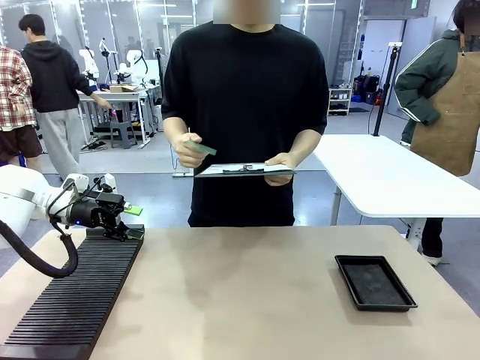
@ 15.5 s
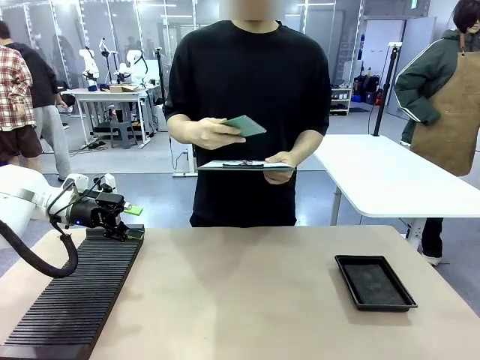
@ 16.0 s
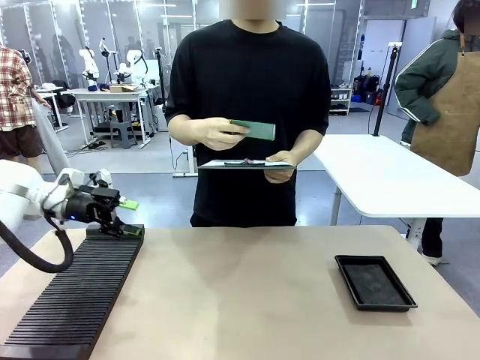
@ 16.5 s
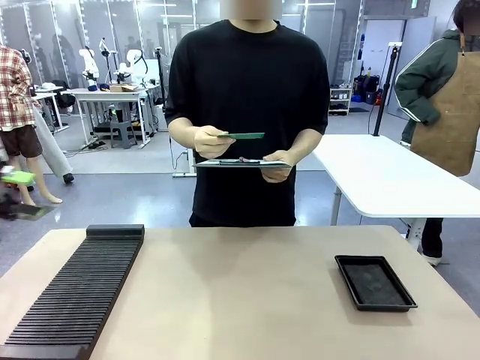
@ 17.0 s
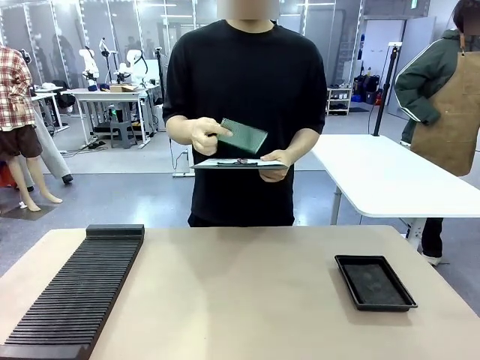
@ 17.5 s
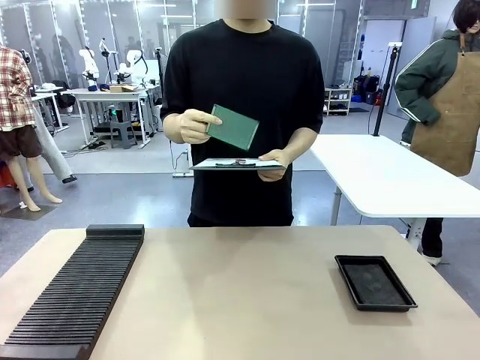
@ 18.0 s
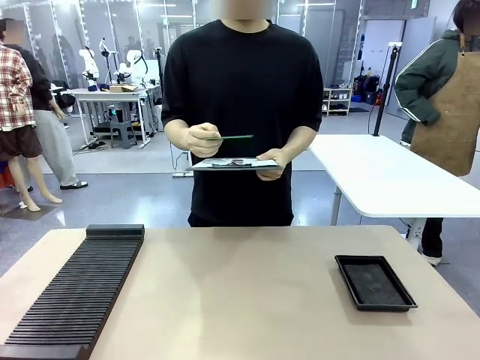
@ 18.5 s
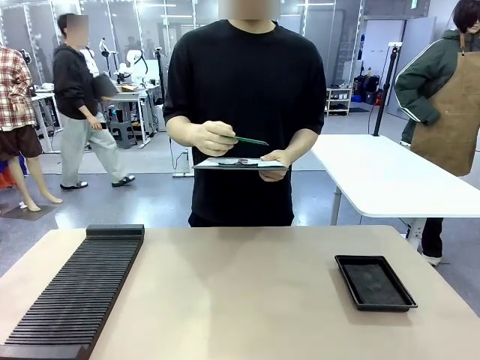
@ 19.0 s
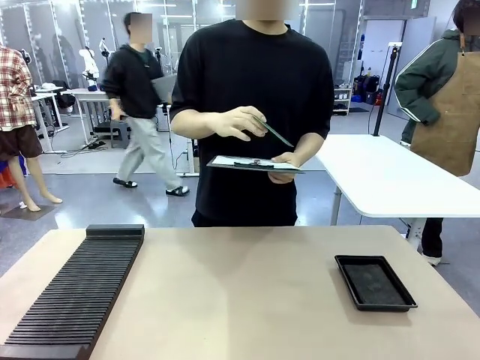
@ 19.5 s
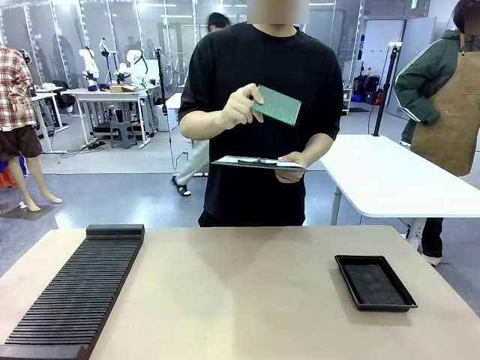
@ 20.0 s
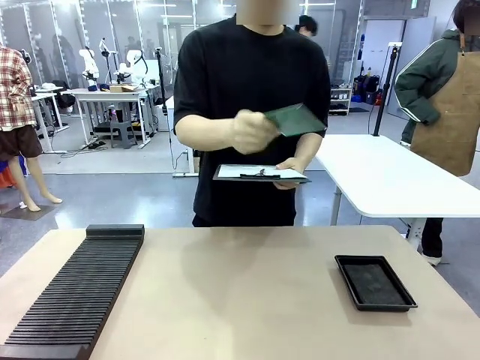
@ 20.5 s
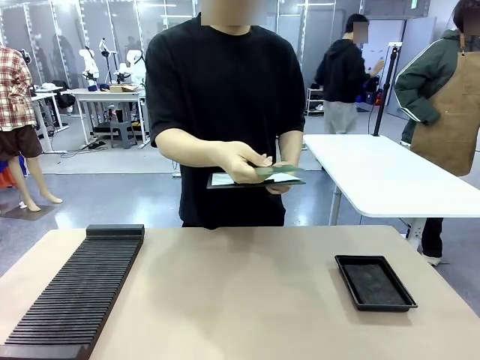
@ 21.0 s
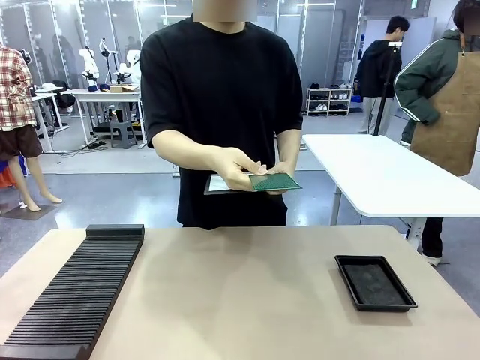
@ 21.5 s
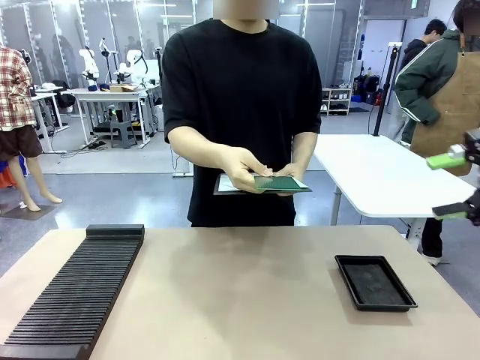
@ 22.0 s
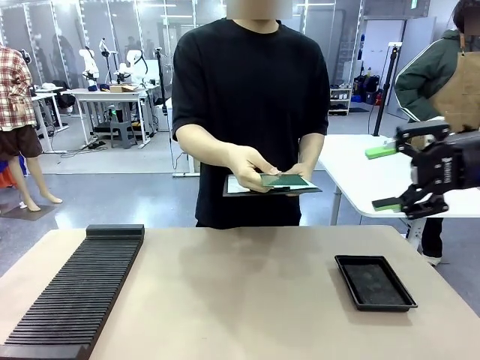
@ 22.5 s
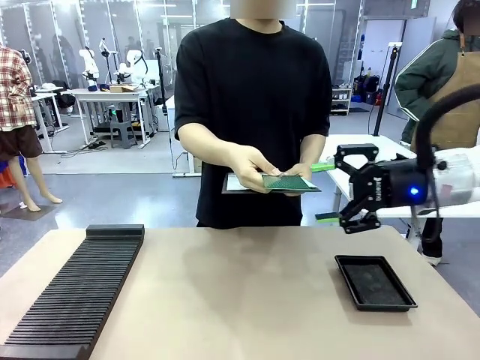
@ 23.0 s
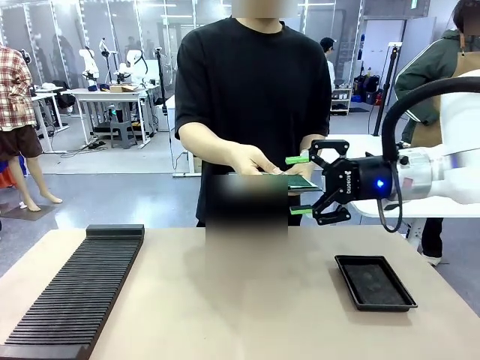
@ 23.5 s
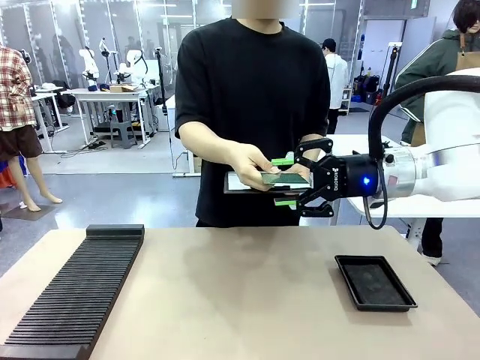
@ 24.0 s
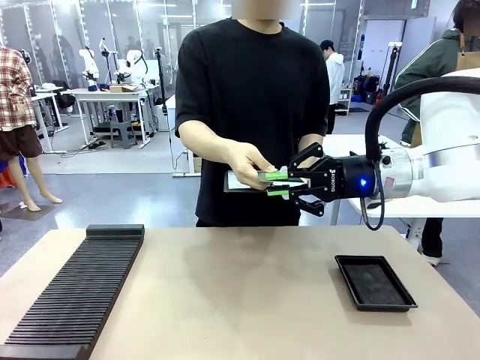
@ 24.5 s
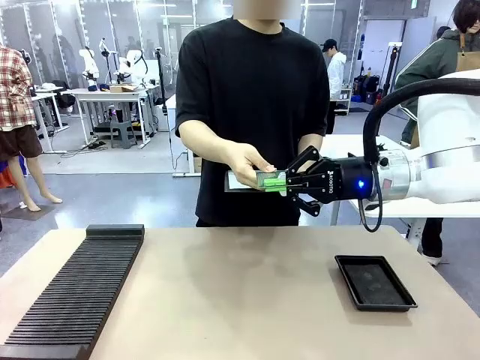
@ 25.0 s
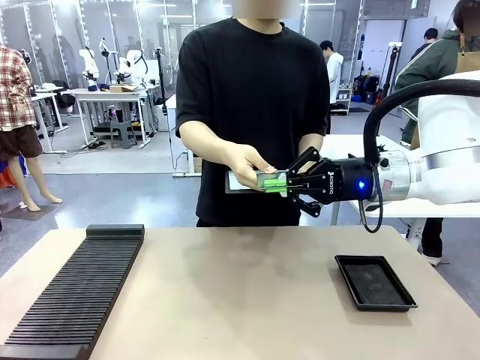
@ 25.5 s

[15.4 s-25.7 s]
Task: Inspect the PCB.
Robot: Pick up the Blank PCB that the human is holding.
Person: Inspect the PCB placed by the robot, then hold it out in front of the robot. Release the PCB you were holding.

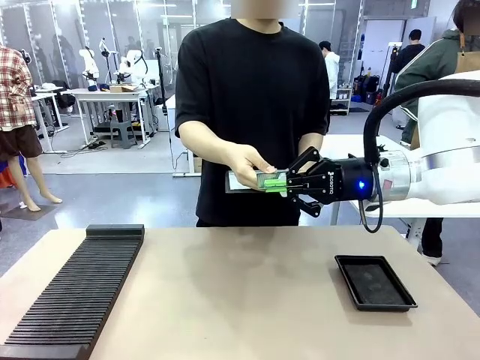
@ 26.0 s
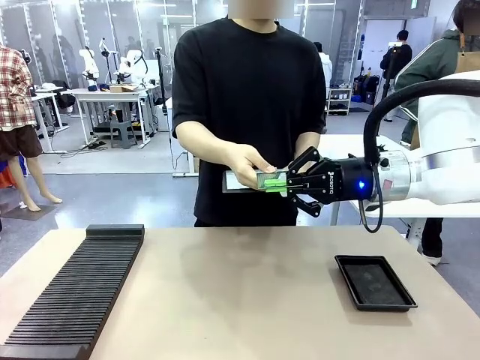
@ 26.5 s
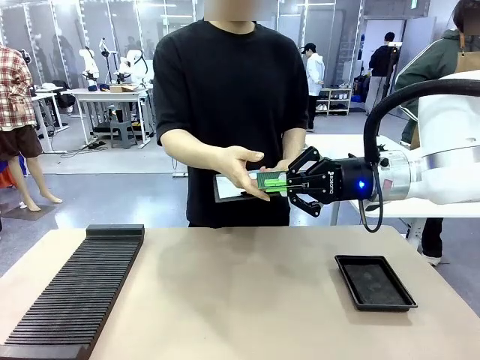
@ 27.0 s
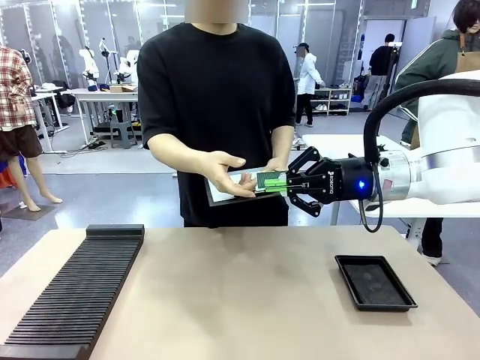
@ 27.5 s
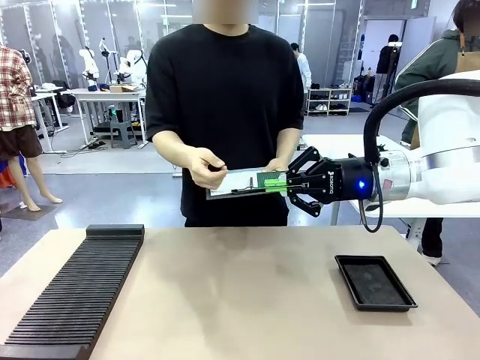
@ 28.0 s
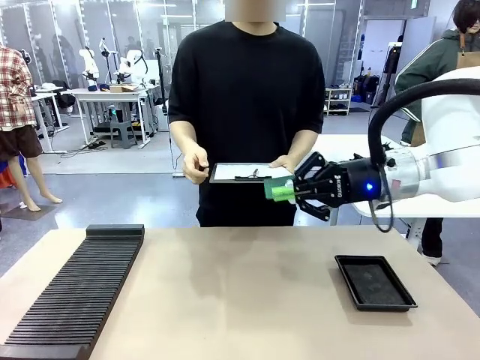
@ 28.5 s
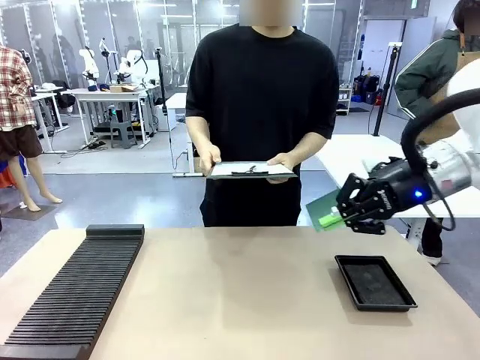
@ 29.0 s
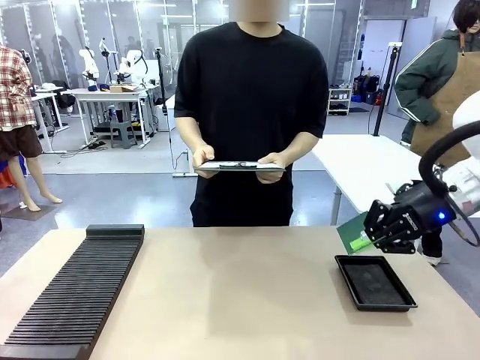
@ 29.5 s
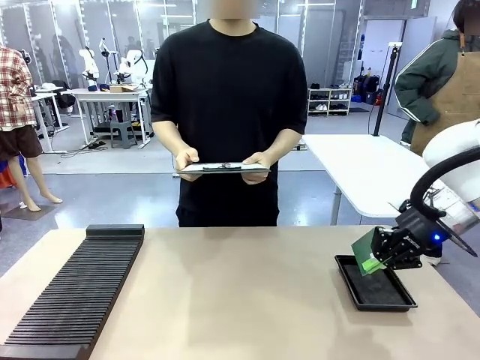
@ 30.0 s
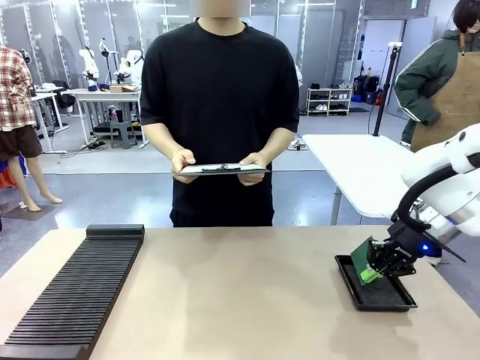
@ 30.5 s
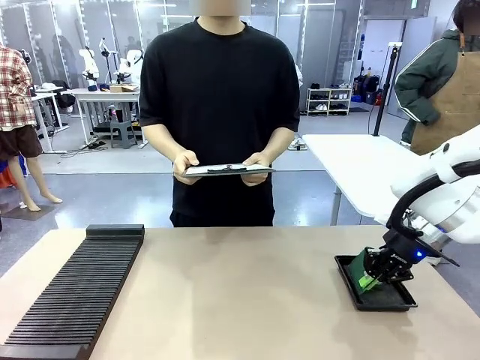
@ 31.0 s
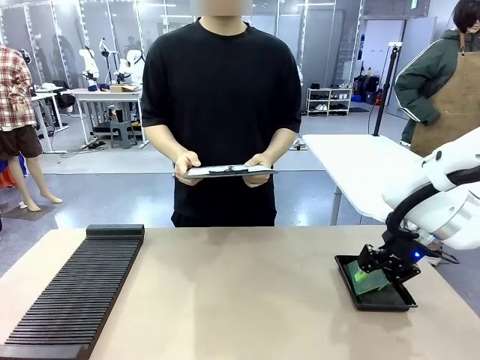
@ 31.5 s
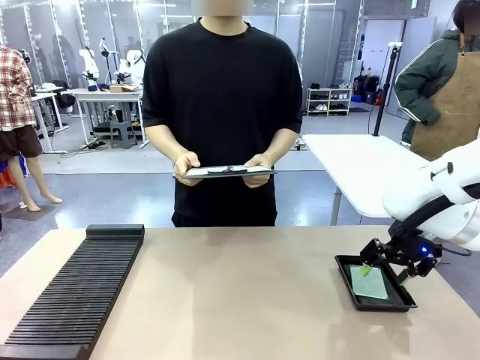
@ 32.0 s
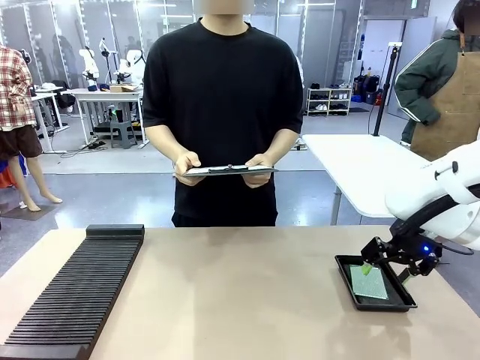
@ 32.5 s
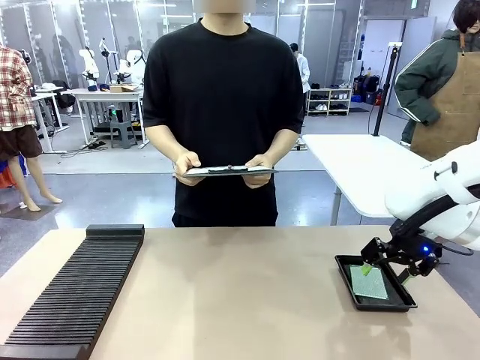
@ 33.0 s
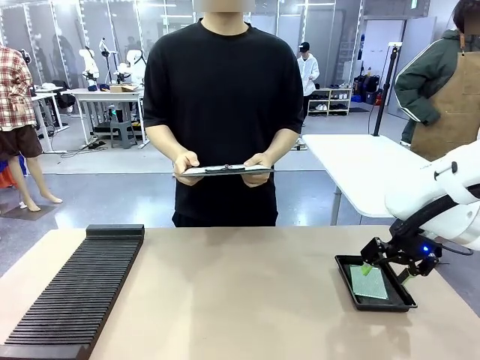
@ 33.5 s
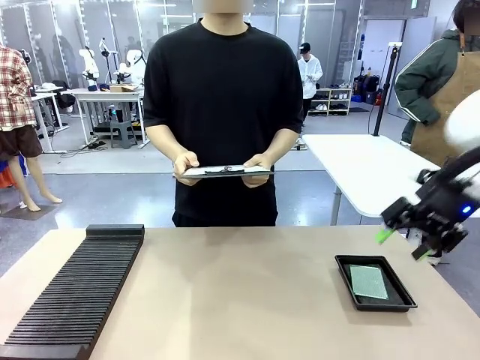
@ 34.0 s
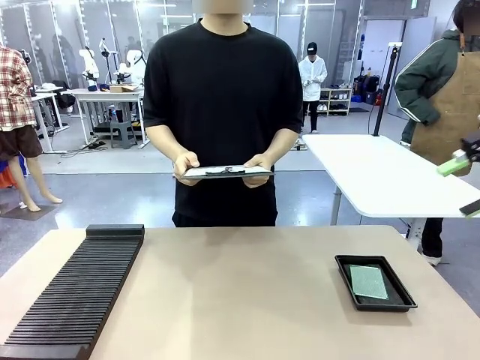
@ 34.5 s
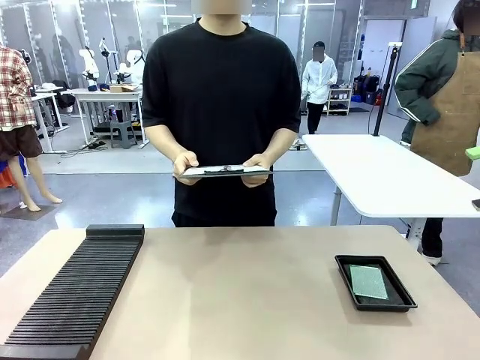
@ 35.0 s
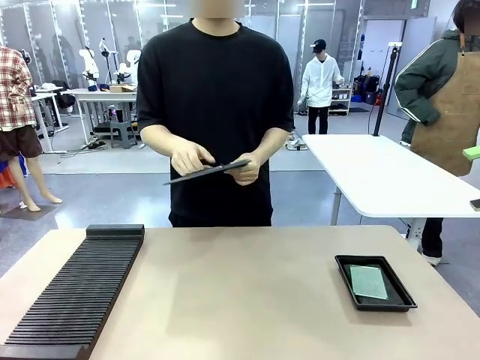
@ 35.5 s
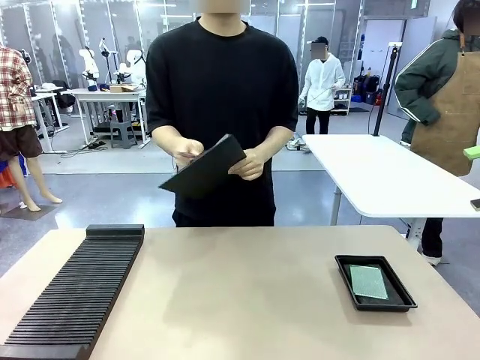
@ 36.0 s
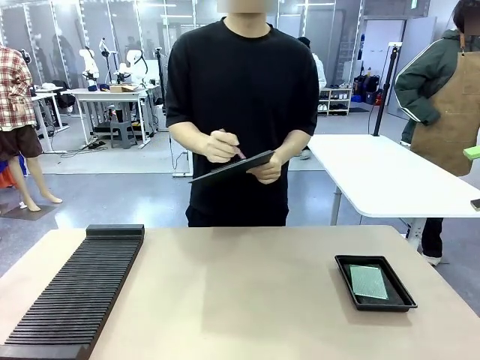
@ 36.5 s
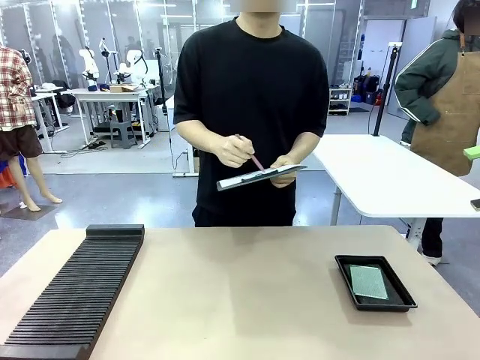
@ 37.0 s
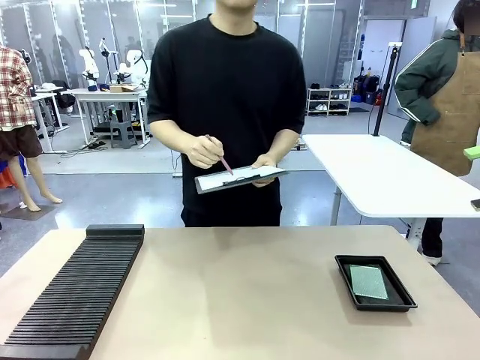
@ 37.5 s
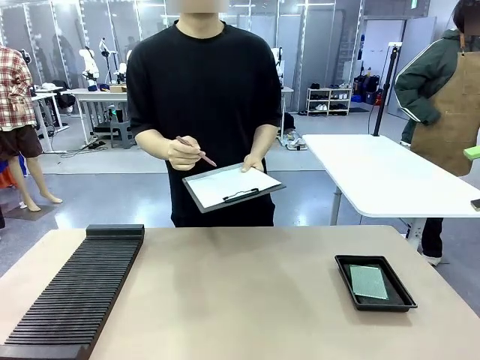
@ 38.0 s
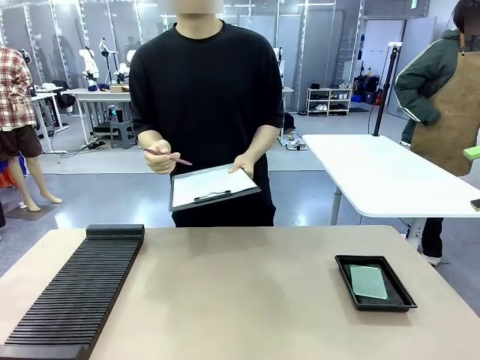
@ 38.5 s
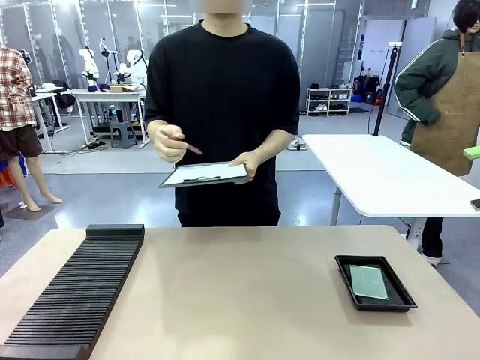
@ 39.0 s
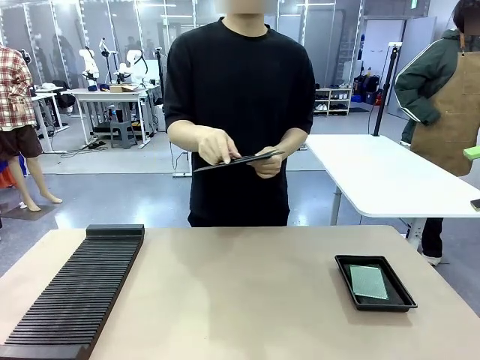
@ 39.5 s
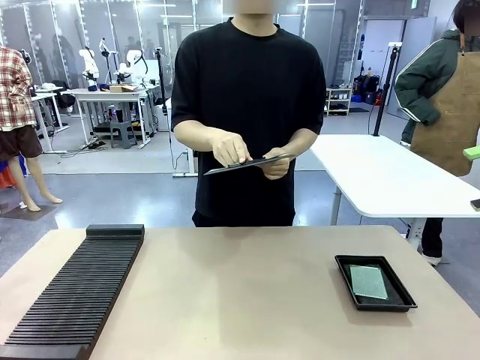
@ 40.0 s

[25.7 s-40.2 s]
Robot: Place the Blank PCB in the ESD tray.
Person: Record the PCB status on the paper.
